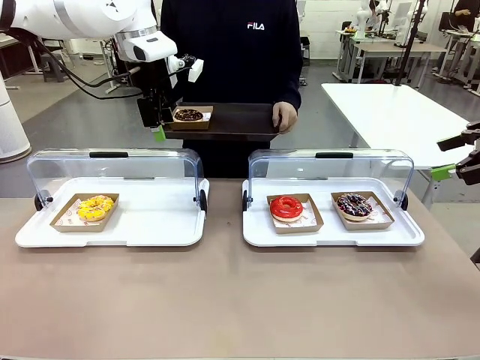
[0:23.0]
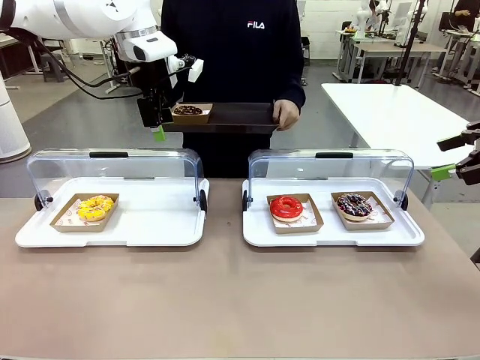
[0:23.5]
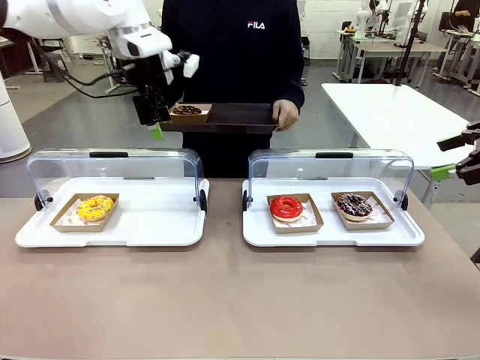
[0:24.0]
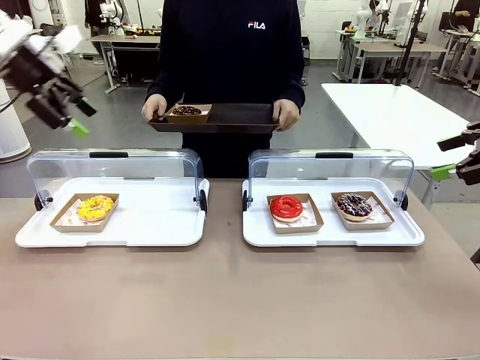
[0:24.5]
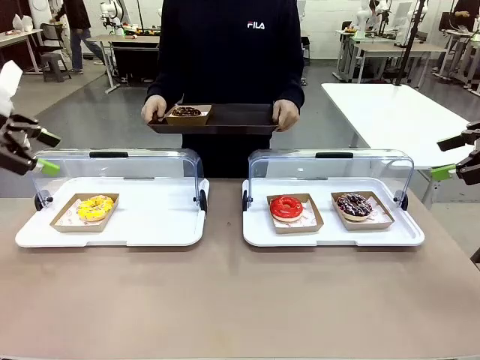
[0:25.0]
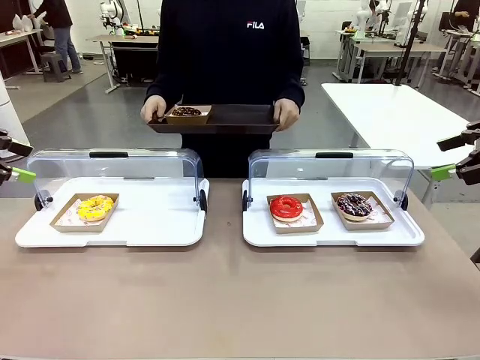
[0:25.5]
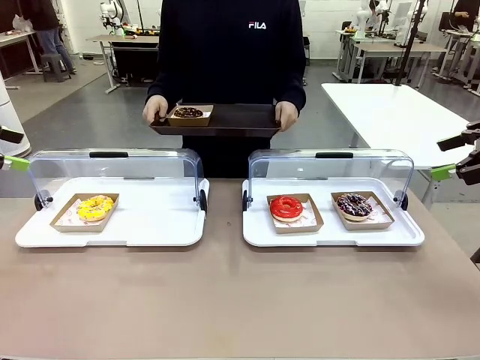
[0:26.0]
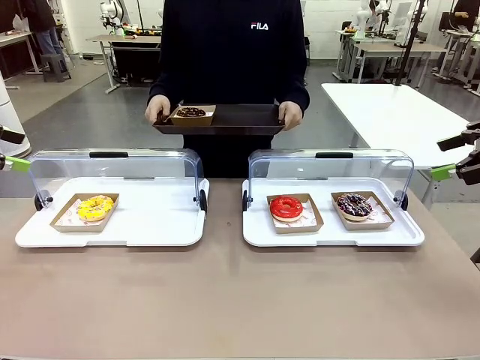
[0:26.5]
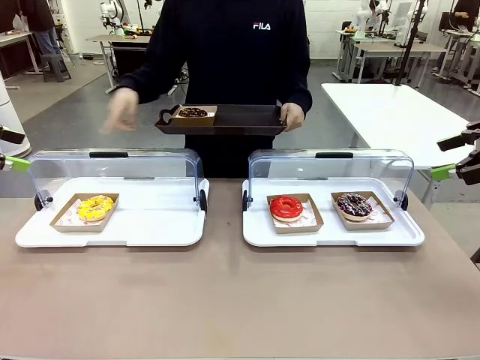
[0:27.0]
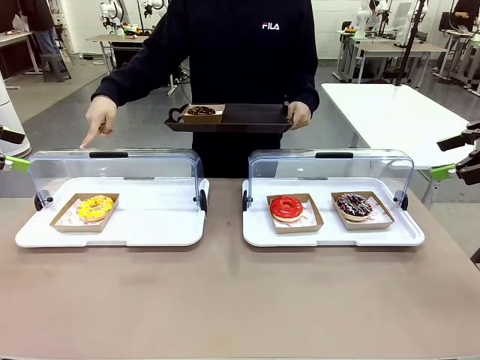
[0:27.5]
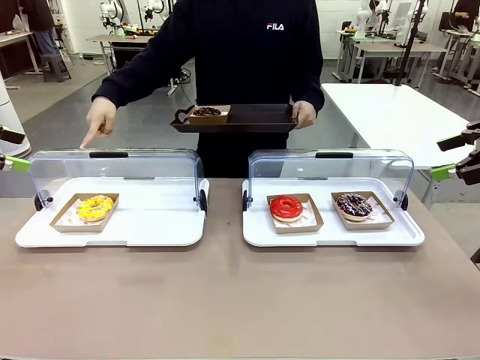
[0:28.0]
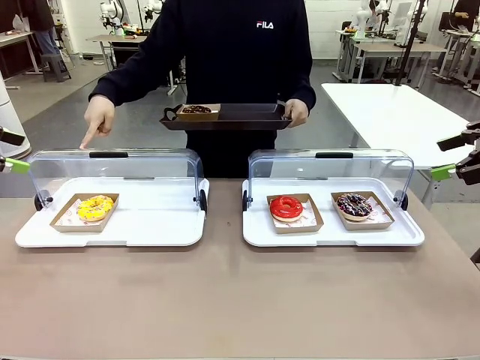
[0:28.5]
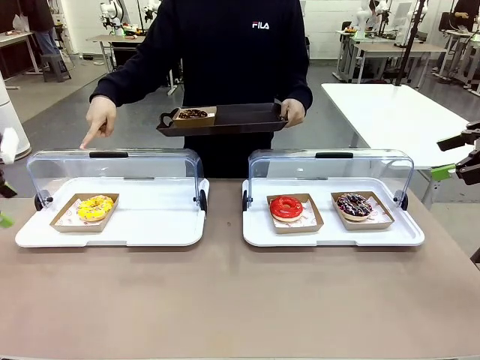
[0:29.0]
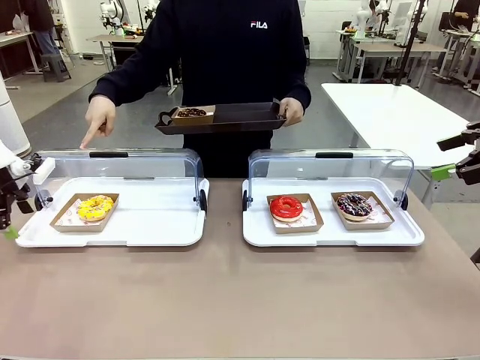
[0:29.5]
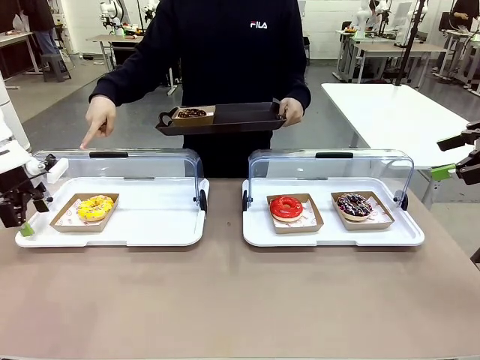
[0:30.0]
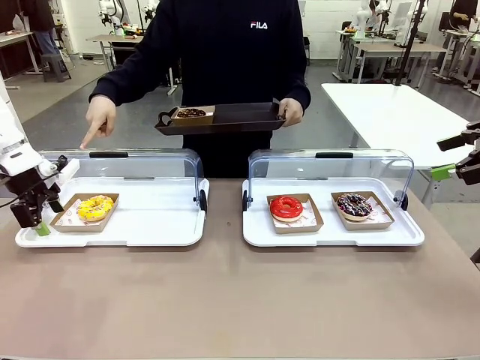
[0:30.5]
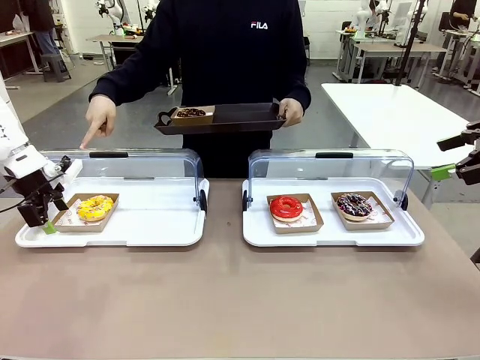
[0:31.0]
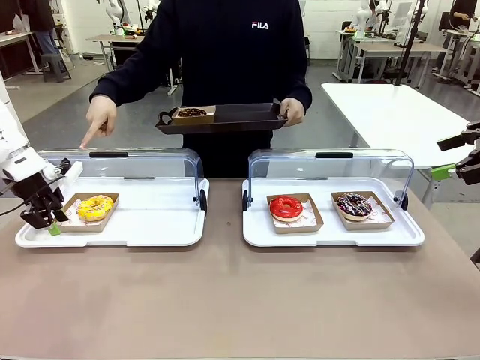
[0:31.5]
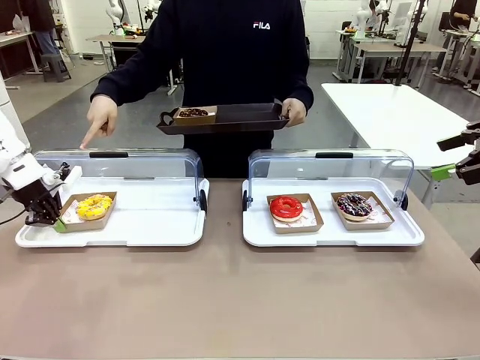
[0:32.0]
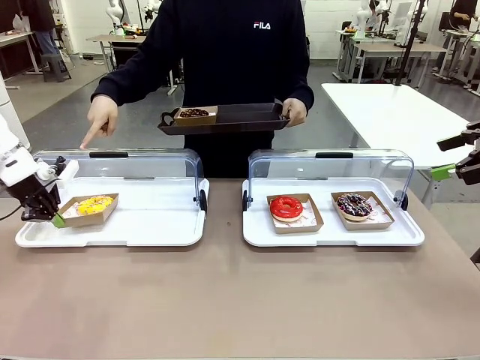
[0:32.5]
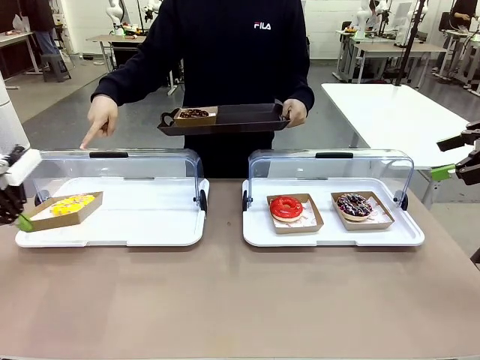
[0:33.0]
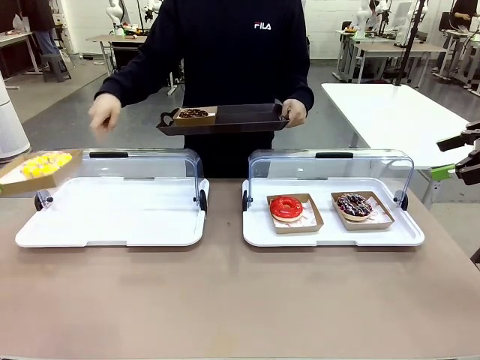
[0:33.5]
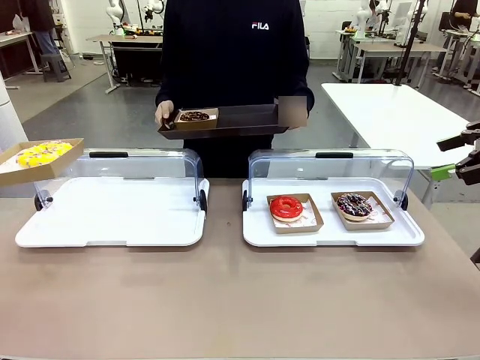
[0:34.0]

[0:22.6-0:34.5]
Task: Provide the desired donut to the person.
Robot: Pick up and lift the Paper togo box containing the Donut pointed at by the person.
Person: Lift the tray onto the Roll-Top Bakery Case.

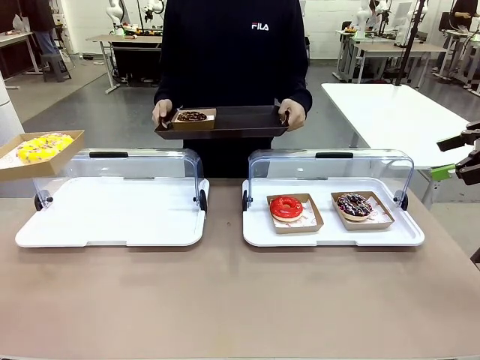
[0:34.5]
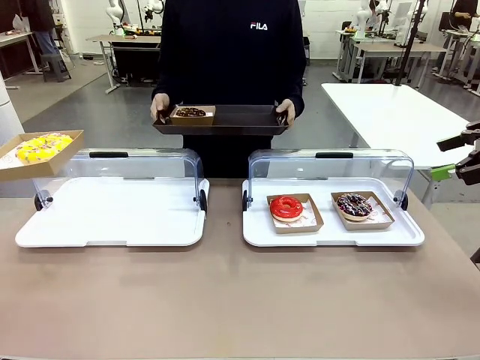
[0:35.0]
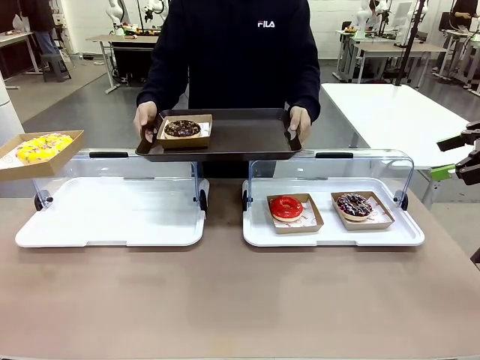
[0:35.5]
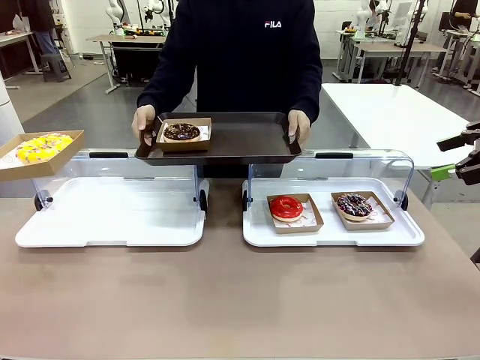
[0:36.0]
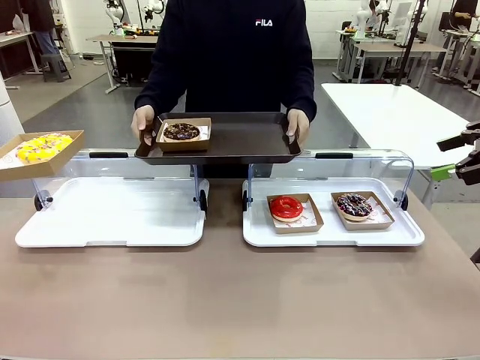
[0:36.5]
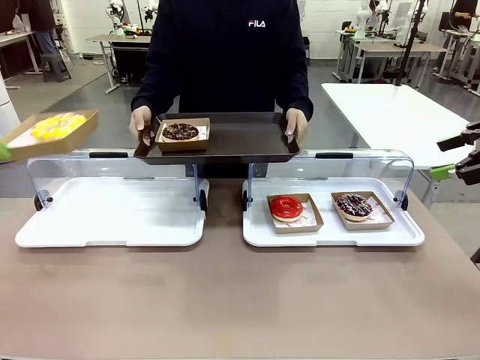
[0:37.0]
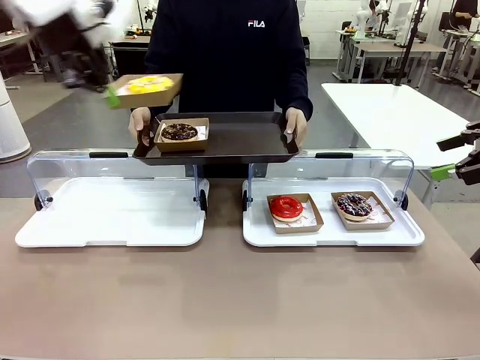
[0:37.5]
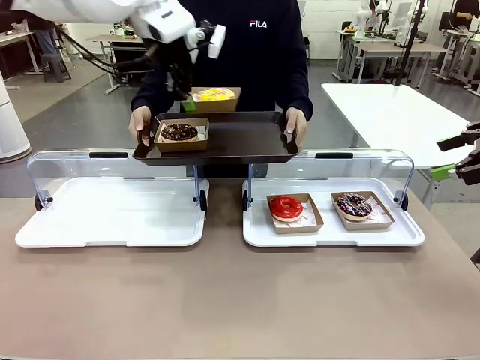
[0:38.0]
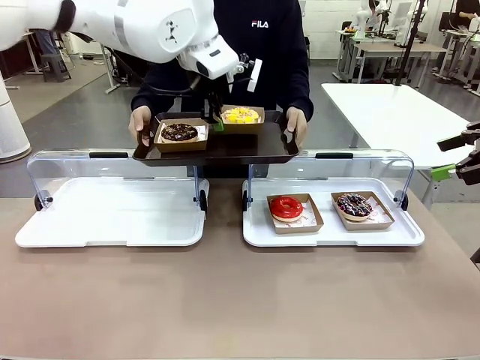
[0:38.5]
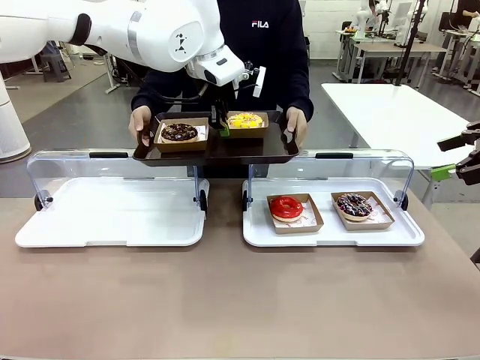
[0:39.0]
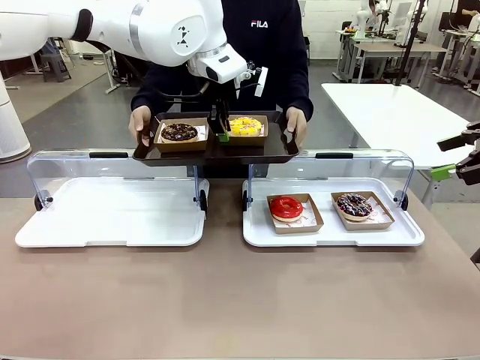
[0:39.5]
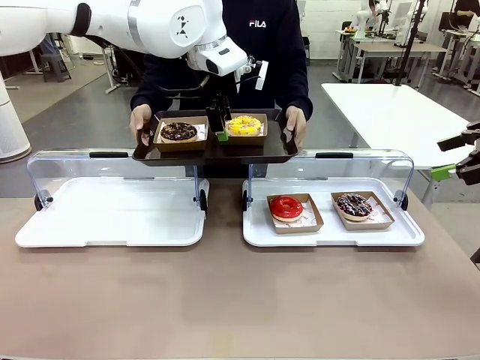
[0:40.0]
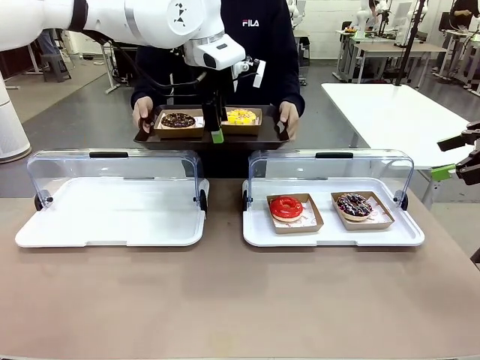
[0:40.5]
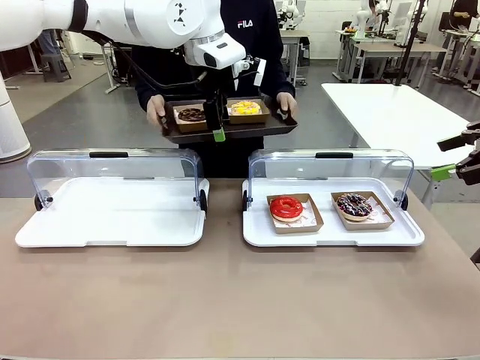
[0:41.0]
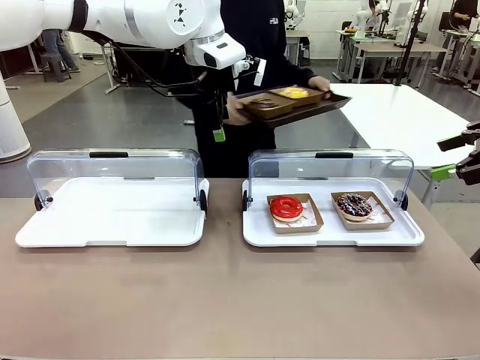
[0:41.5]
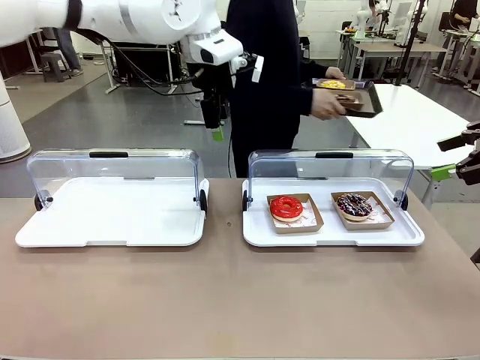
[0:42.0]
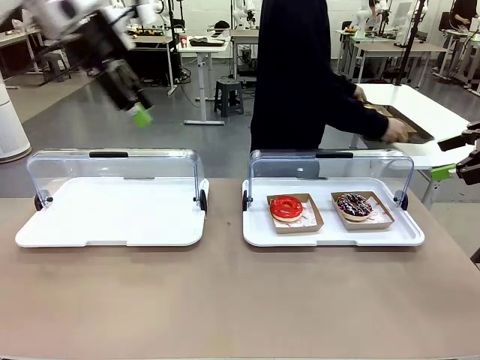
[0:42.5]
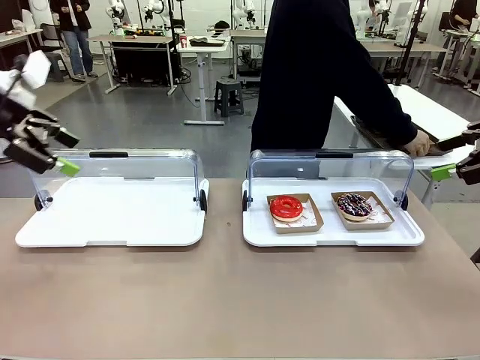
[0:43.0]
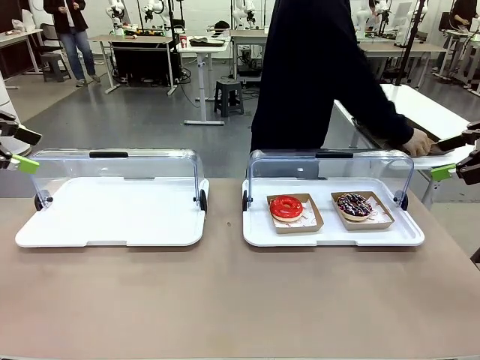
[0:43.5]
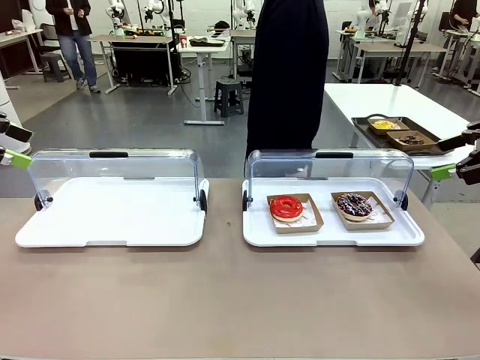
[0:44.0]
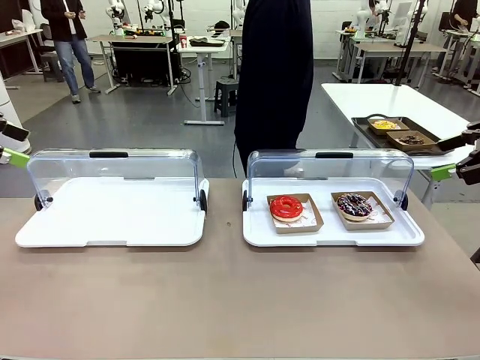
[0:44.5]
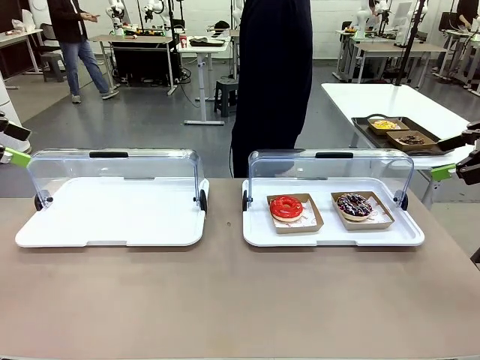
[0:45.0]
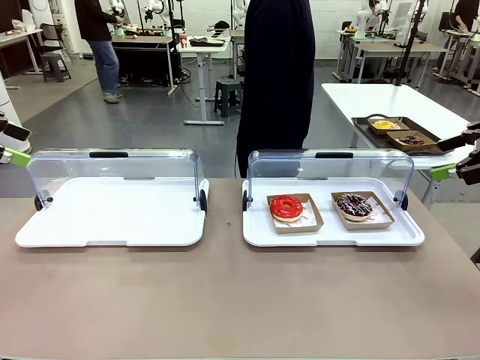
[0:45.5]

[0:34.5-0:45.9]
Robot: Place the picked Paper togo box onto the Handle tray extended by the person.
Person: Place the tray in the middle of the human table.
